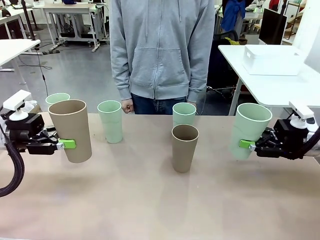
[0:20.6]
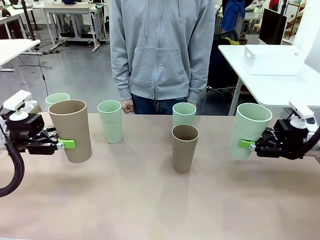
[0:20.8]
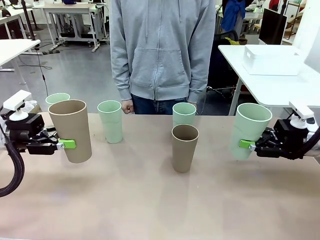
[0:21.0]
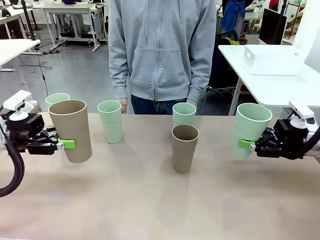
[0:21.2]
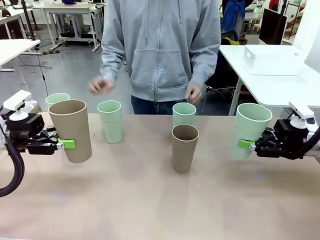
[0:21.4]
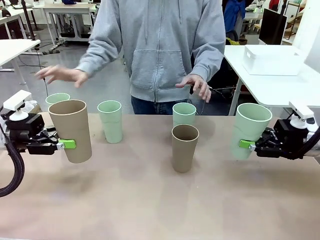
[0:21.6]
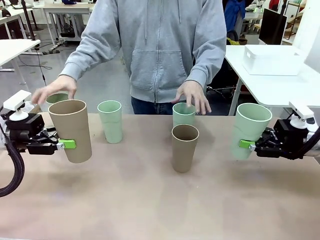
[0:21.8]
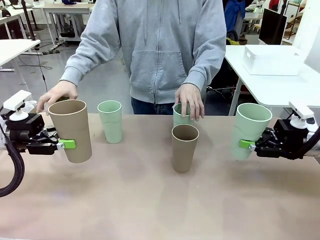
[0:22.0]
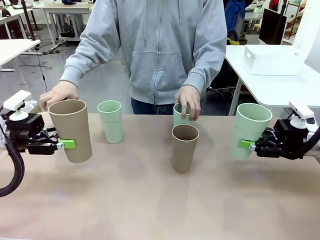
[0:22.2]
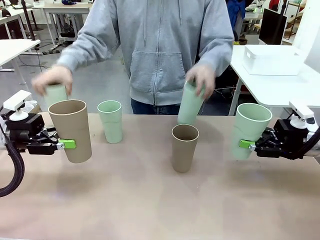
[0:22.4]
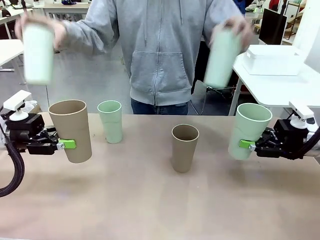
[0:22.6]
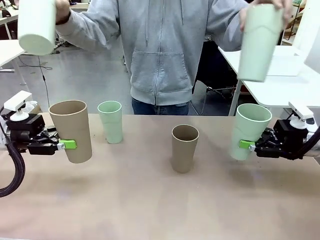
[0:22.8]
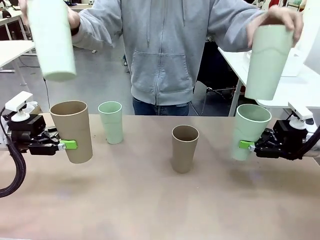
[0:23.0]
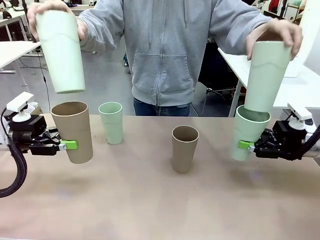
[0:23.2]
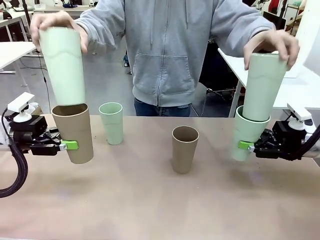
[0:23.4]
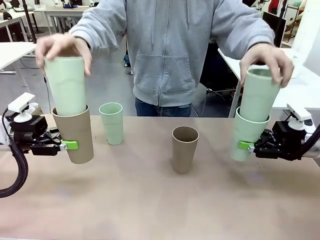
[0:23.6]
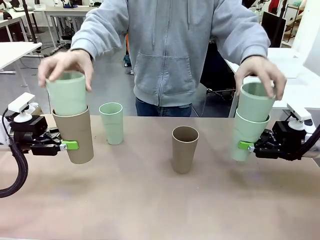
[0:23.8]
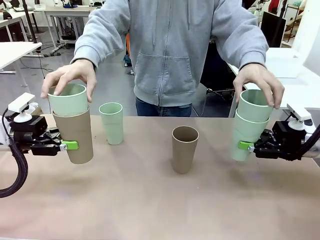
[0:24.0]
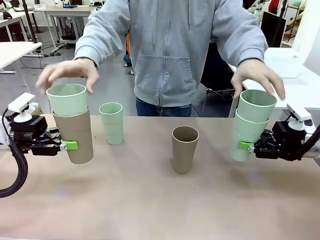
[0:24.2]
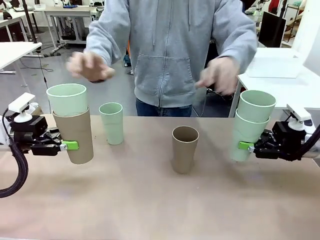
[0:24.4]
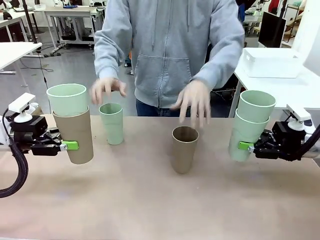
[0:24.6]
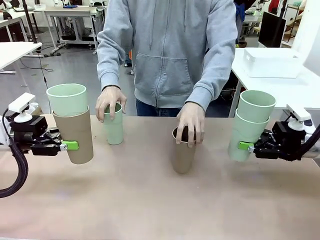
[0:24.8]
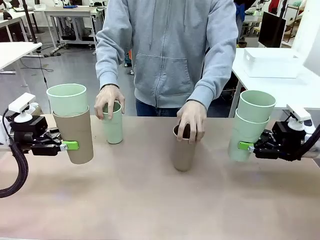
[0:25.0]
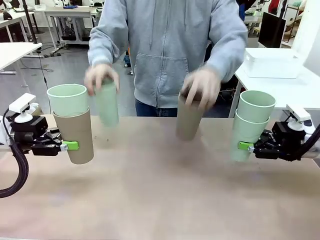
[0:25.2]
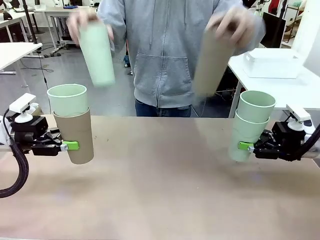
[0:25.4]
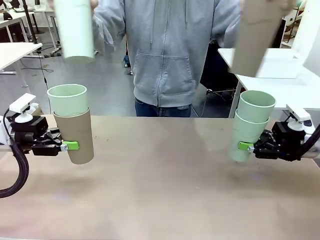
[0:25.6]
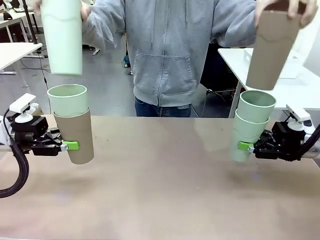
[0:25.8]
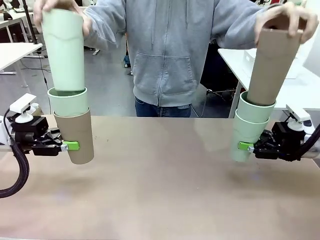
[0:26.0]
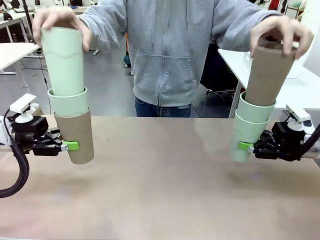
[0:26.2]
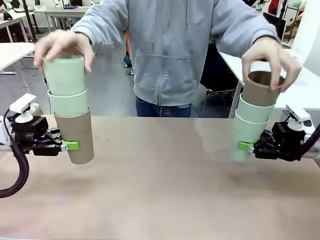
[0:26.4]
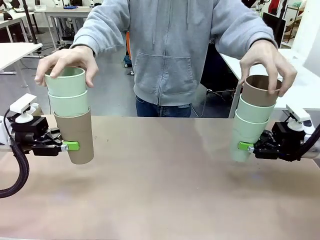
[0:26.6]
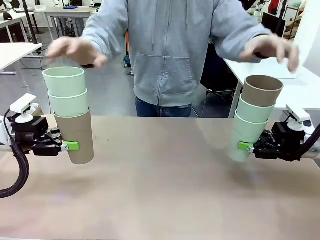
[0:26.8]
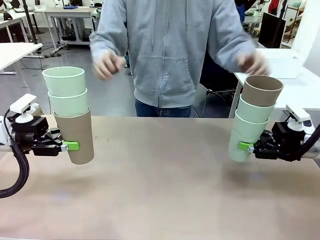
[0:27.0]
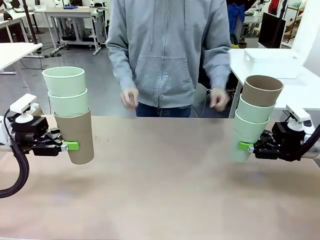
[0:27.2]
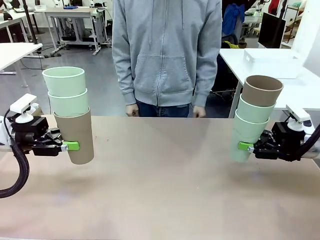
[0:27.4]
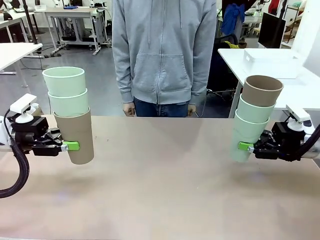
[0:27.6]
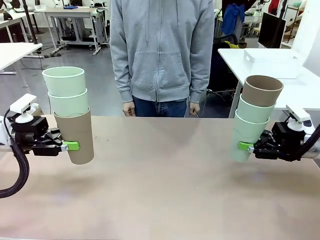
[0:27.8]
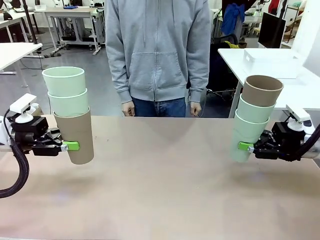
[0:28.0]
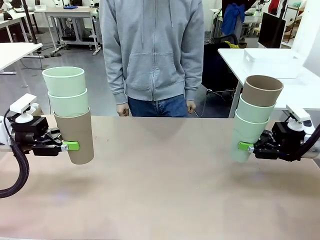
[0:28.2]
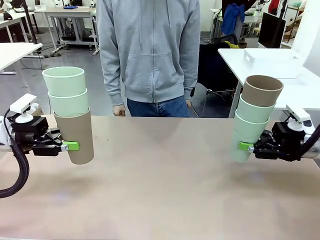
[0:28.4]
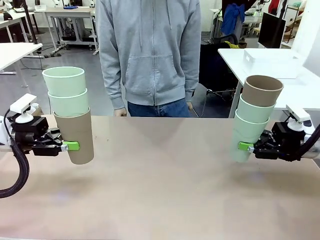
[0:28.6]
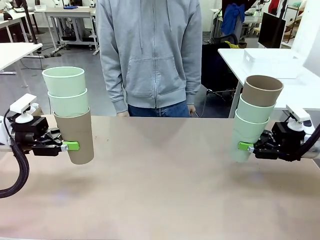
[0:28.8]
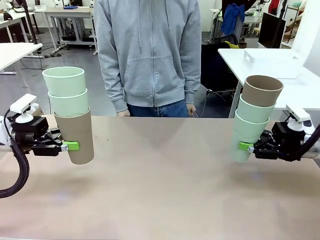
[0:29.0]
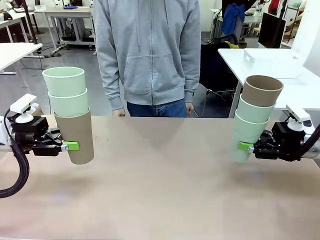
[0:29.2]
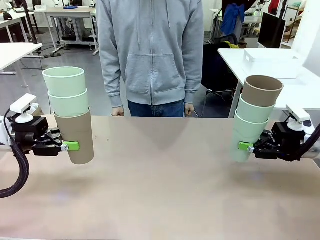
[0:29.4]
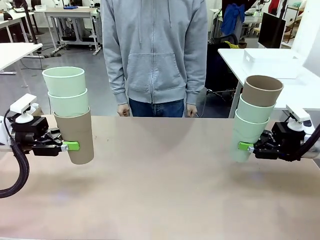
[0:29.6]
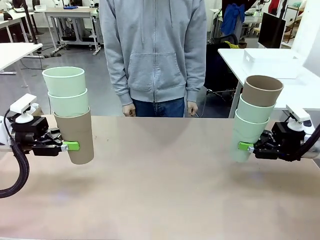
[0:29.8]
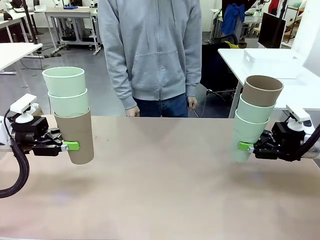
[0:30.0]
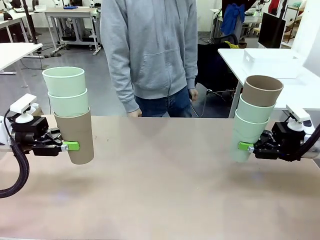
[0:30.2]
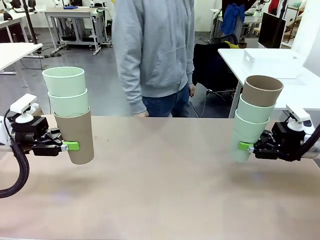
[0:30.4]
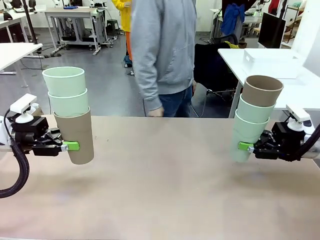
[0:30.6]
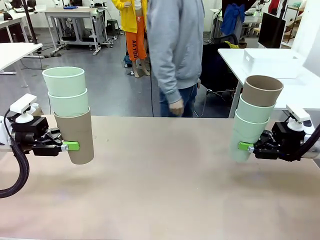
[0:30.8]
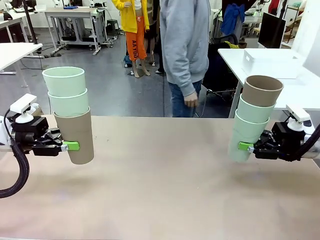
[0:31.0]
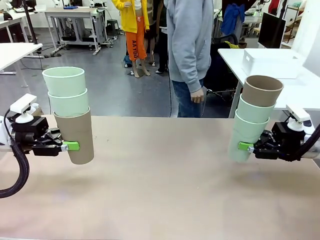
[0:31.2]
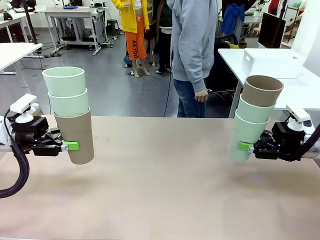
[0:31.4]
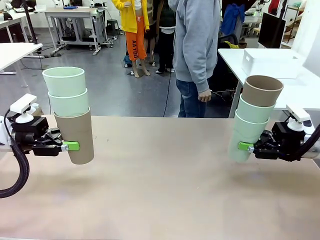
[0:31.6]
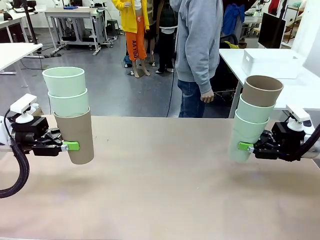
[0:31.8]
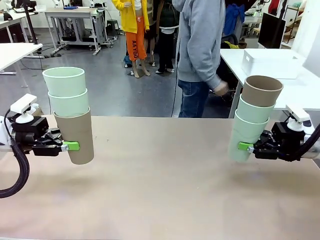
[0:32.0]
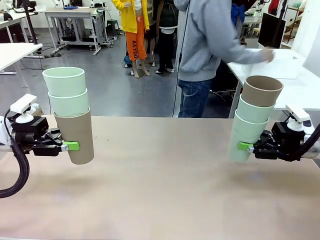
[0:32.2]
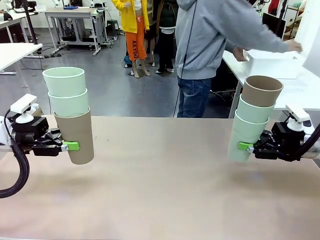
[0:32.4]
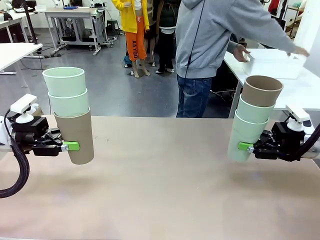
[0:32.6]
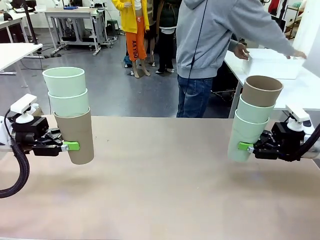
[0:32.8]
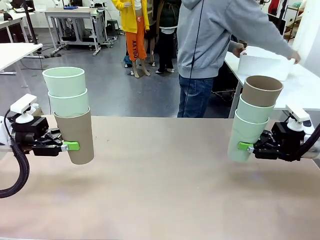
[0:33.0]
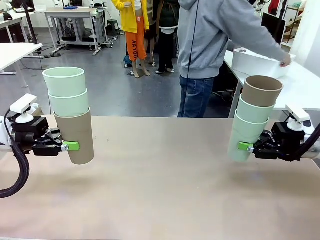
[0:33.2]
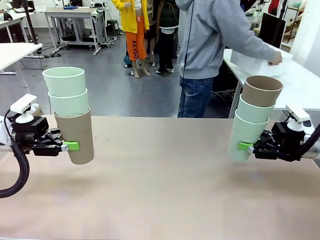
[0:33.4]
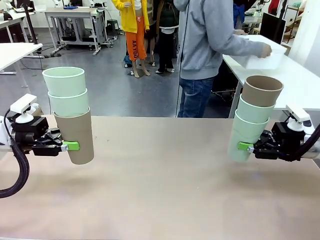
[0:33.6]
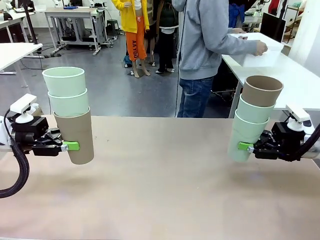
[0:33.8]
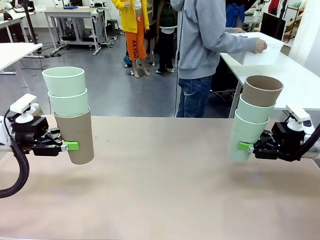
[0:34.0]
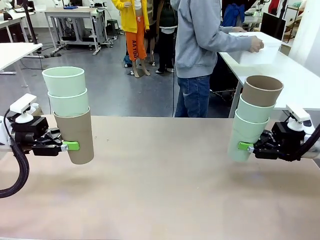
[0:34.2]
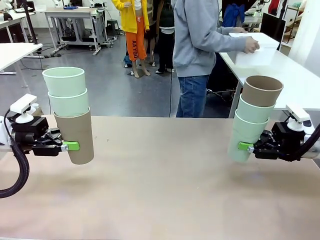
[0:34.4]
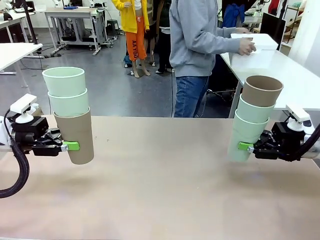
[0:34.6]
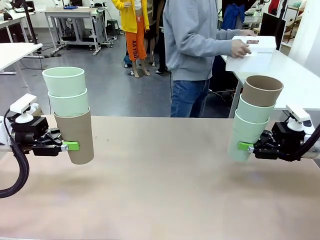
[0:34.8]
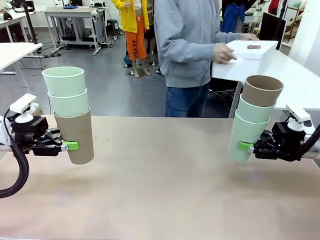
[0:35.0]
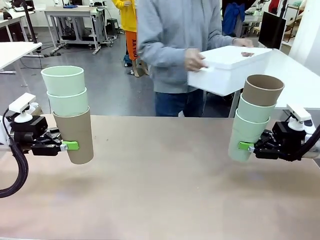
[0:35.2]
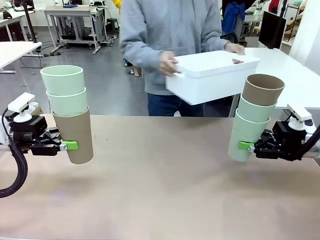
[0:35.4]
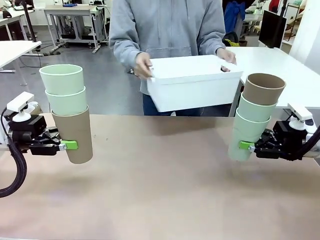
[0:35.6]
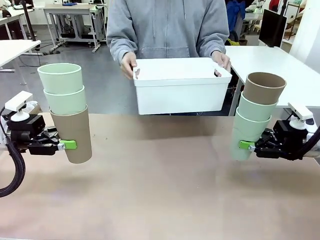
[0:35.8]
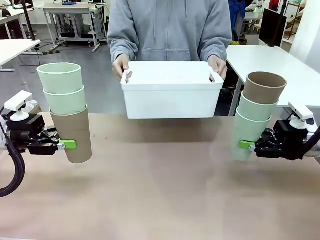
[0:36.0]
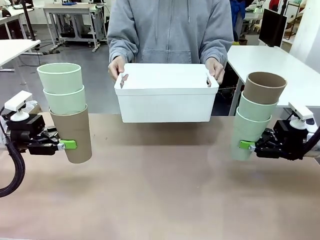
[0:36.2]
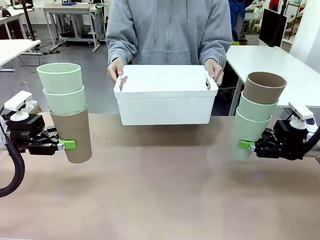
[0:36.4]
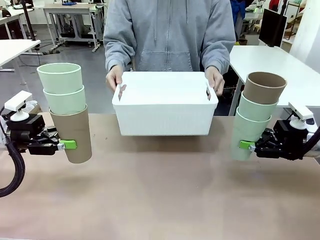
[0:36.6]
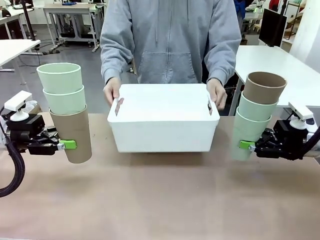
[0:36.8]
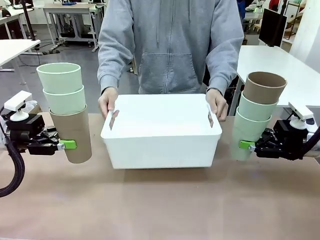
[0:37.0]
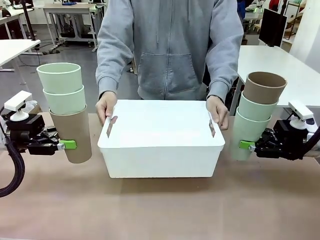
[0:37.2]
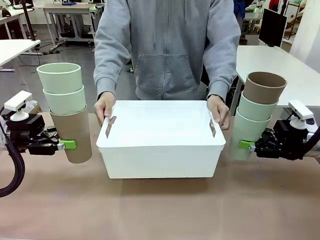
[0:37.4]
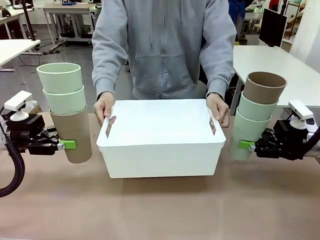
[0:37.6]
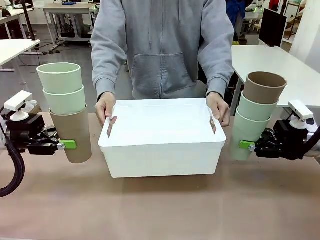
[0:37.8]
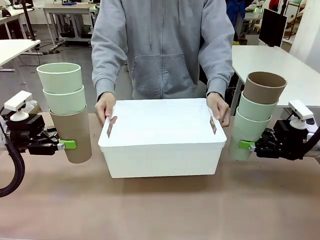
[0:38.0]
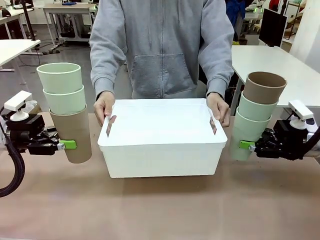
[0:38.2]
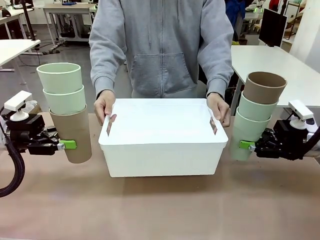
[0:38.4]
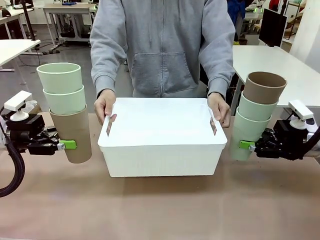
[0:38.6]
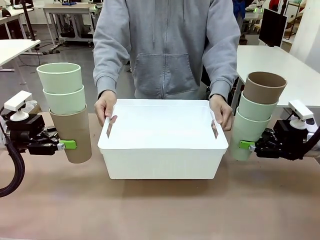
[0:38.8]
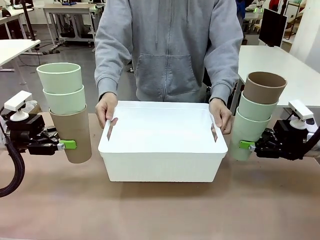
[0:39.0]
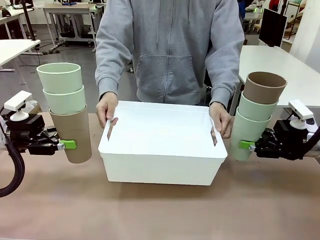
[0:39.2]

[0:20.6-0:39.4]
Task: Stack the cups and store them in the basket.
Robot: Place the stack of Reusable plastic cups into the Pantry Basket.
Person: Pick up the basket from the Human Table, bring it to the front of the robot, and present it.
